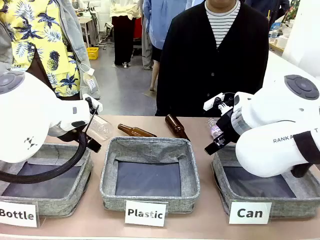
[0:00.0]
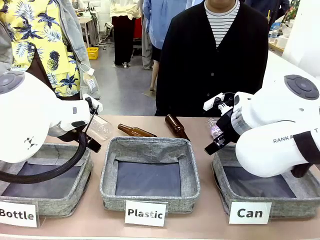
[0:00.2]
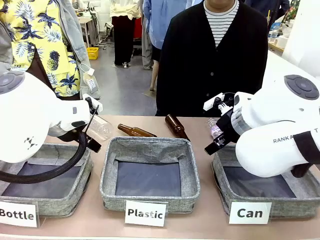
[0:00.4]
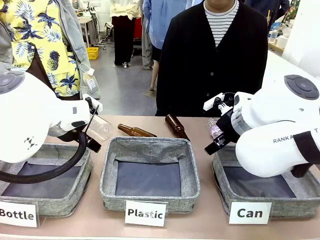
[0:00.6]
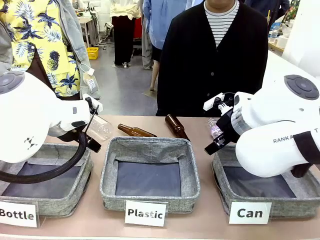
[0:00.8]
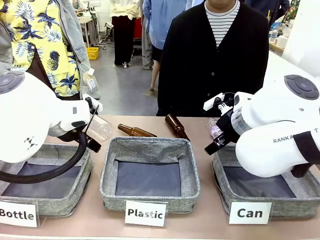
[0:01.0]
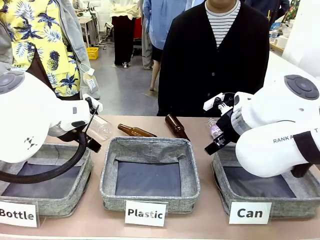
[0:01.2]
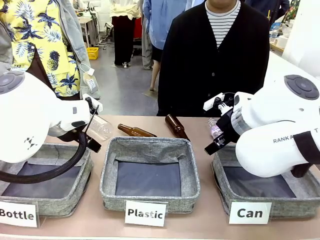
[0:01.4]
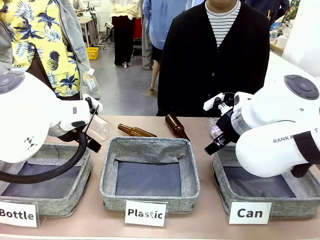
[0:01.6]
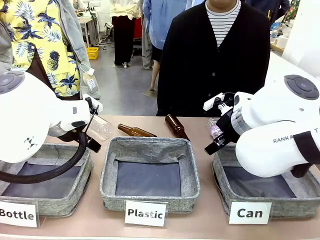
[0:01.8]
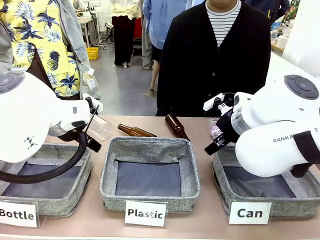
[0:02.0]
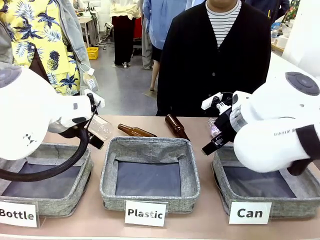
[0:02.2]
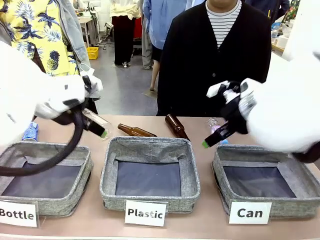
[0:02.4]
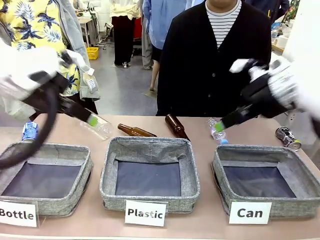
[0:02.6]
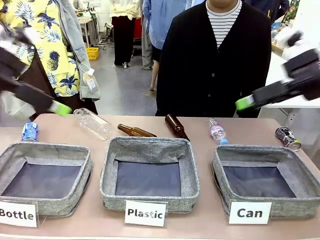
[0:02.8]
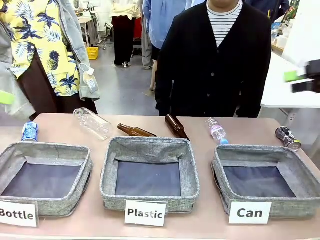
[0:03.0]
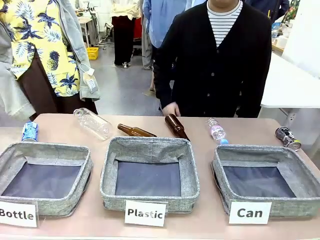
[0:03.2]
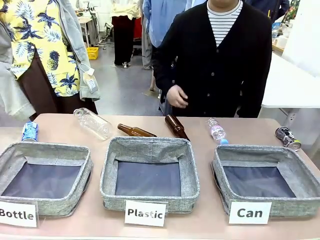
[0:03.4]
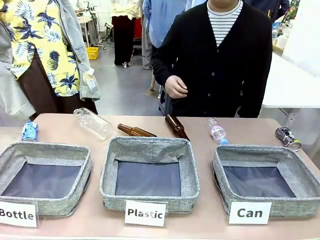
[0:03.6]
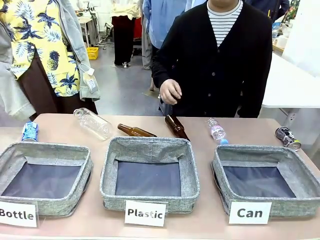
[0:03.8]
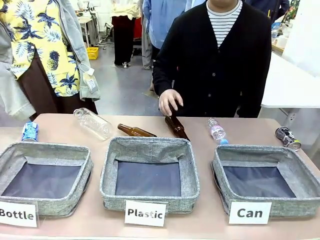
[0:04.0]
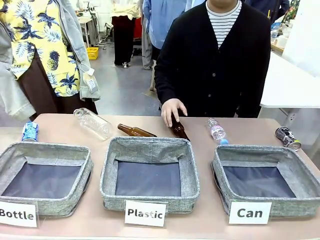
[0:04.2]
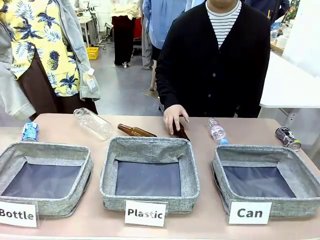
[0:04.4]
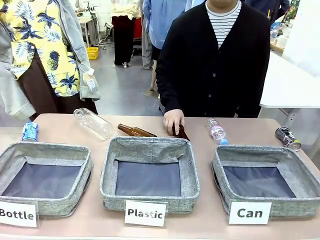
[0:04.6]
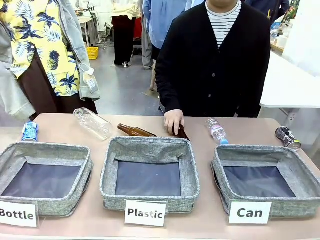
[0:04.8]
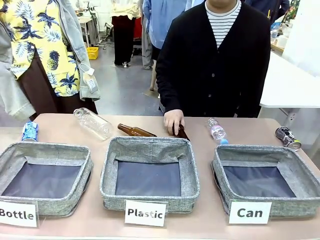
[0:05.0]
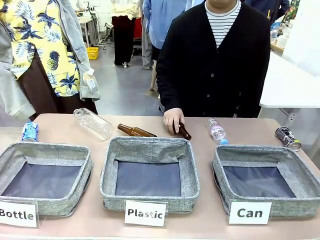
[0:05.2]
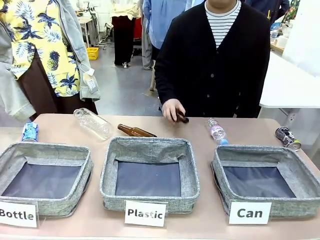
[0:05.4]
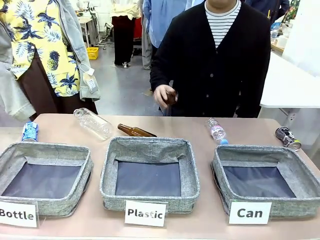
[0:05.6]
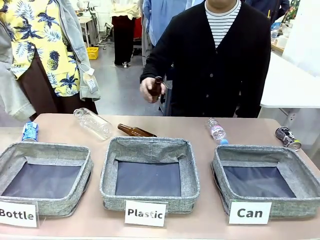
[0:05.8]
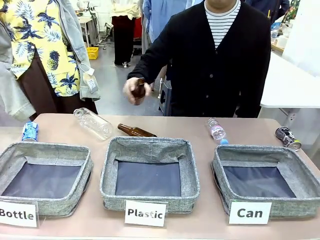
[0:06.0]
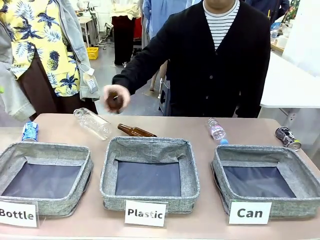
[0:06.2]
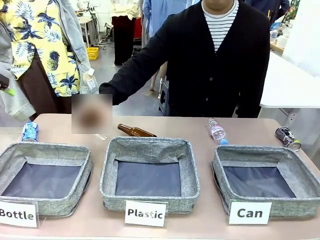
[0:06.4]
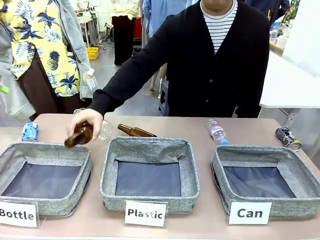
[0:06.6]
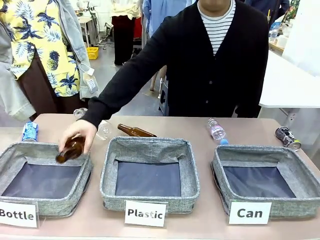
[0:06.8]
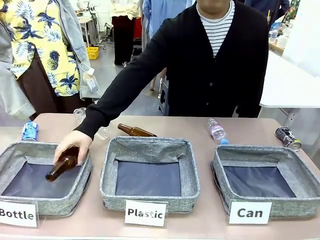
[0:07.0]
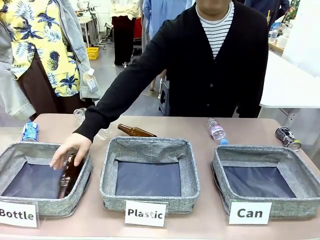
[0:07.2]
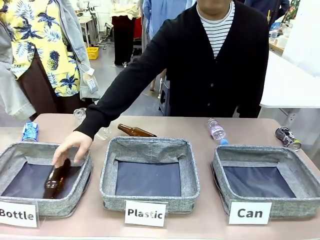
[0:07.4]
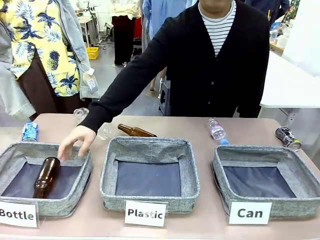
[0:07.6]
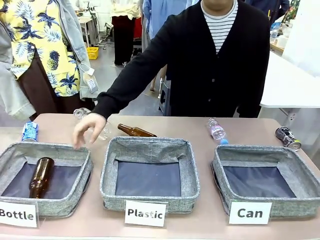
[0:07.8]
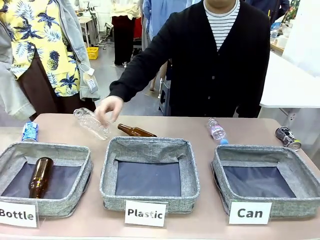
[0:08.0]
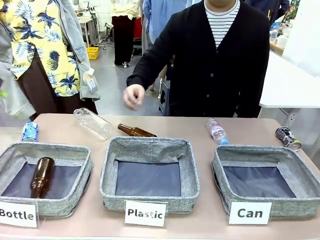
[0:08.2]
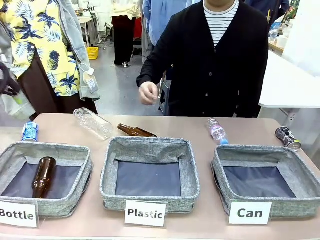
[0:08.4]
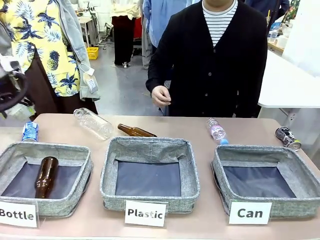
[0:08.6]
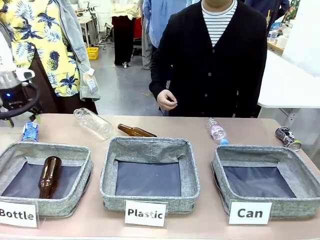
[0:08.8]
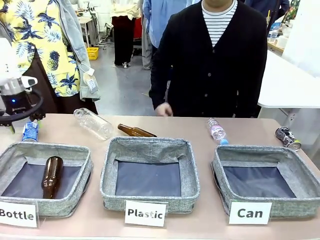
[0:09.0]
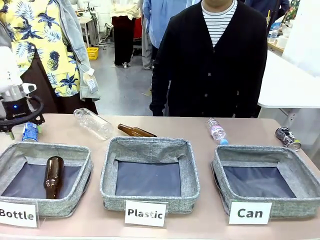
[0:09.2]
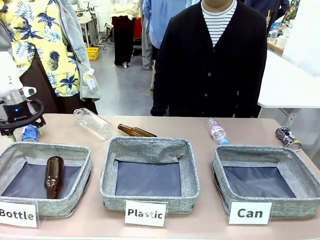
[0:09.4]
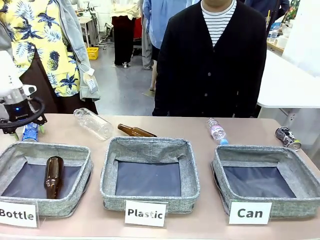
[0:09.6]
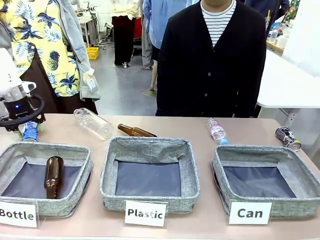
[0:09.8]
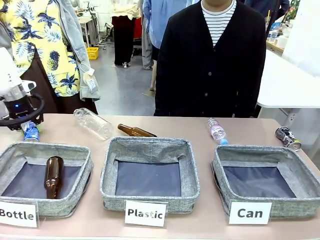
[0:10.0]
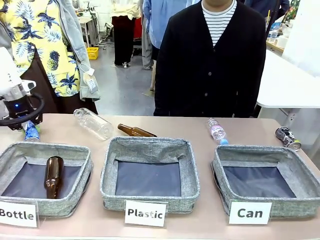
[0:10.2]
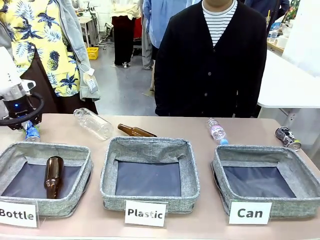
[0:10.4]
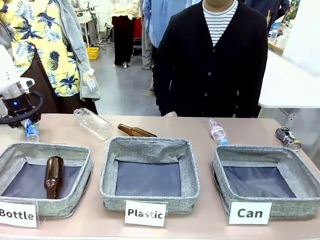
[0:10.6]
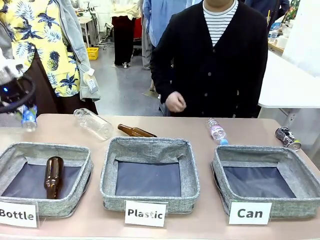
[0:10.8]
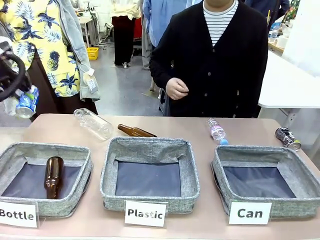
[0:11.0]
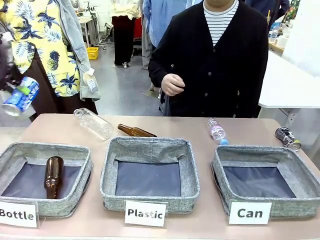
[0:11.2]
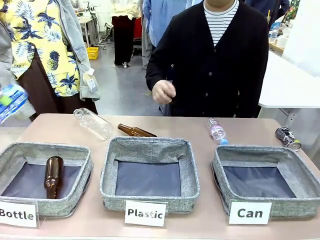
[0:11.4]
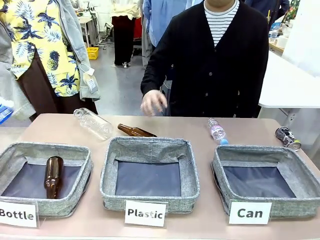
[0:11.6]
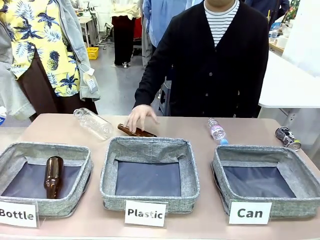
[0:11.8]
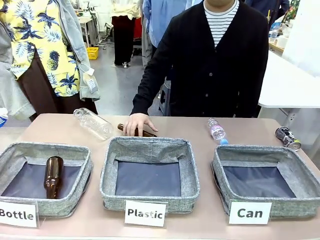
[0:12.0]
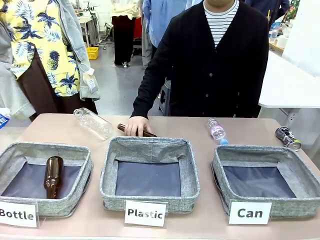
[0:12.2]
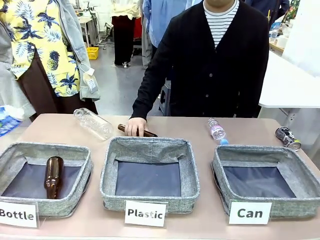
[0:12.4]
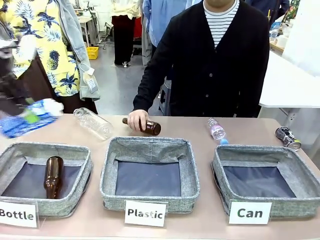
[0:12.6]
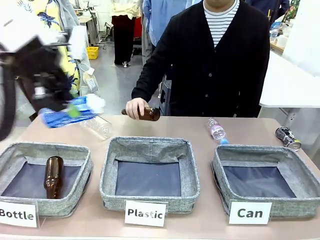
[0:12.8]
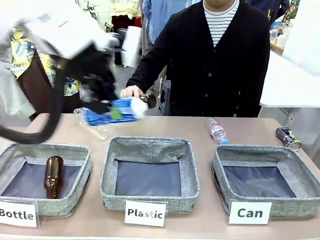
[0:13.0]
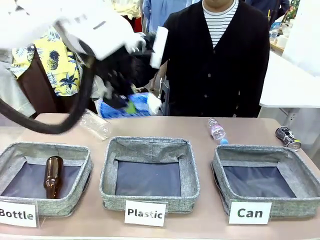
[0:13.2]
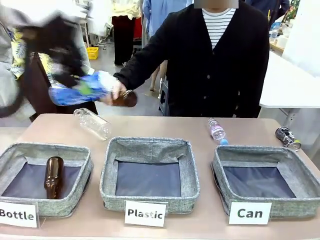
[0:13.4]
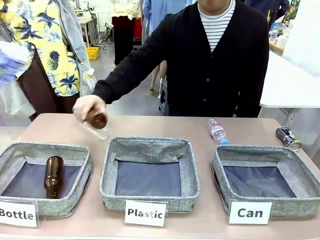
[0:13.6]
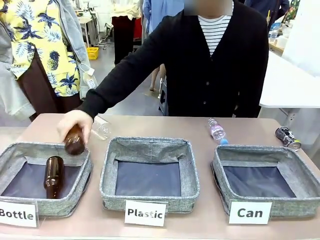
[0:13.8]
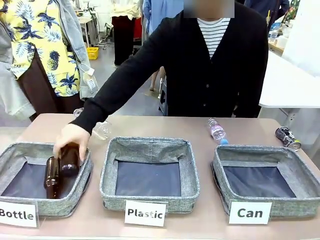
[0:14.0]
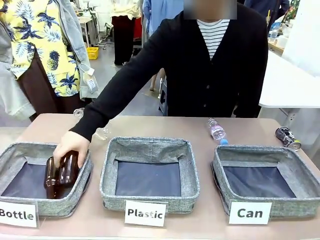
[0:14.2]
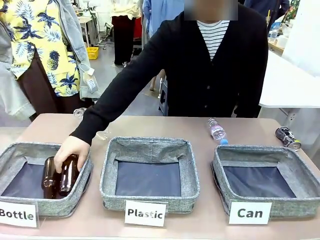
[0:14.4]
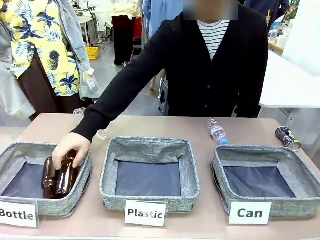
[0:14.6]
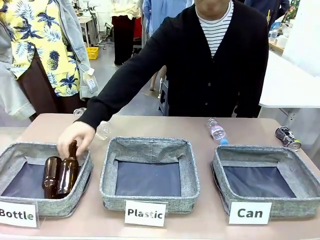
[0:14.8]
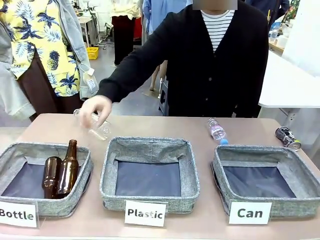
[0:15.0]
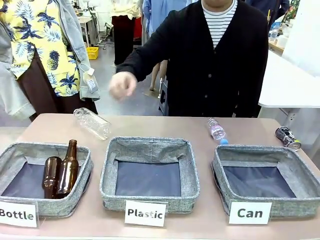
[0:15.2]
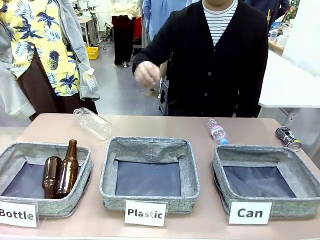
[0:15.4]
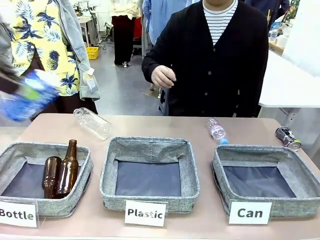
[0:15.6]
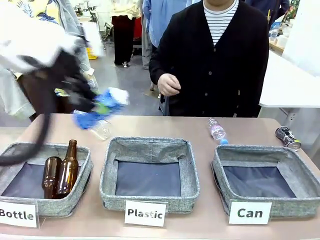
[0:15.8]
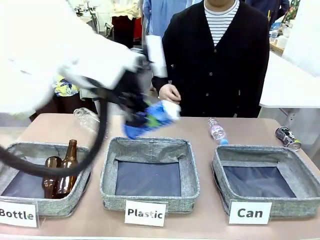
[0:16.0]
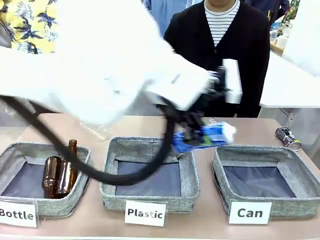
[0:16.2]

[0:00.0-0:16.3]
Task: Sort the can waste into the basket.
Robot: Pick up the can waste from the table and place it in the right Fabric basket.
